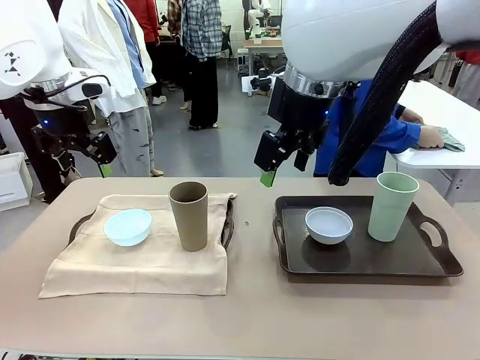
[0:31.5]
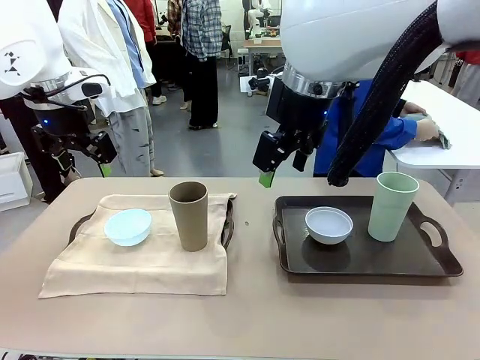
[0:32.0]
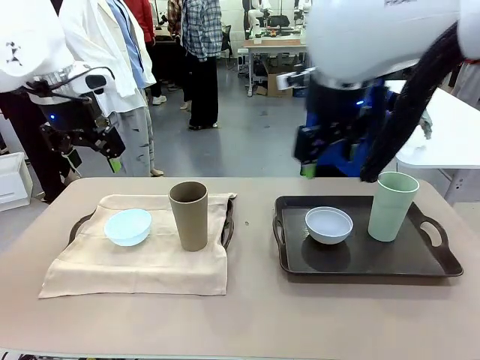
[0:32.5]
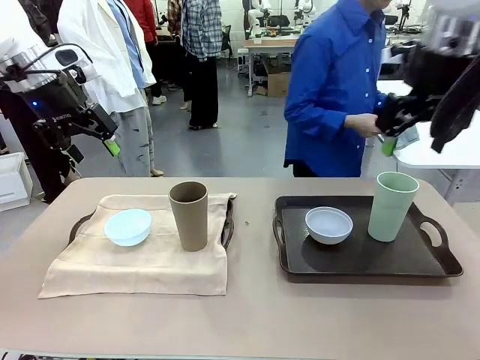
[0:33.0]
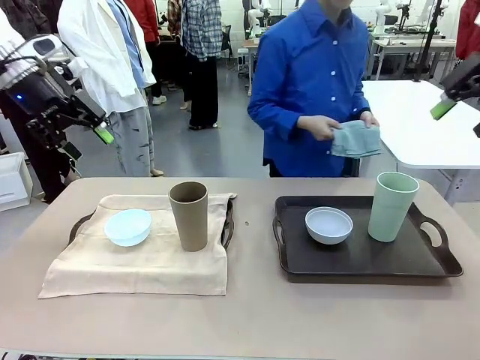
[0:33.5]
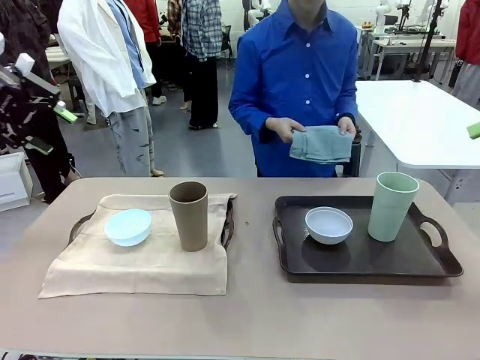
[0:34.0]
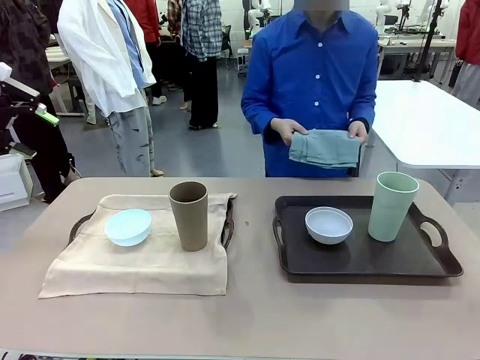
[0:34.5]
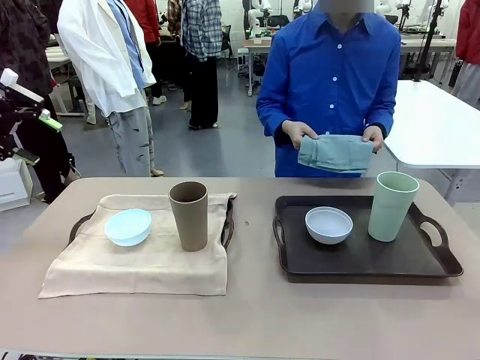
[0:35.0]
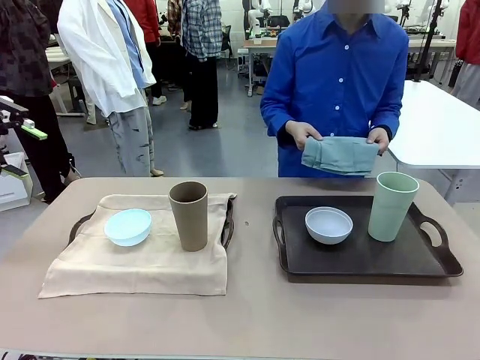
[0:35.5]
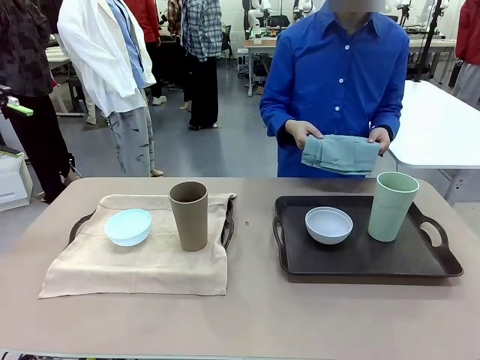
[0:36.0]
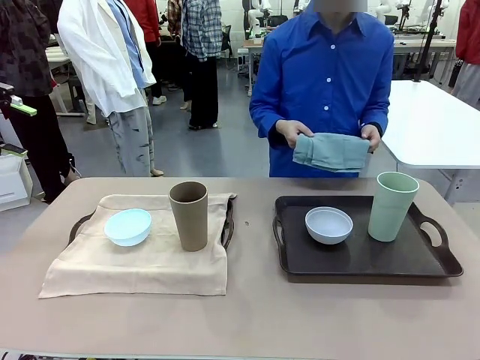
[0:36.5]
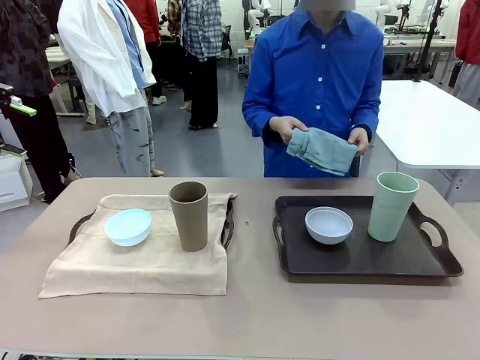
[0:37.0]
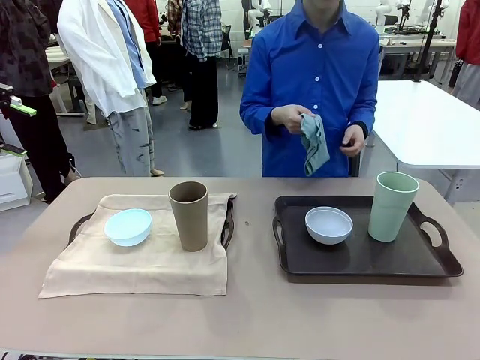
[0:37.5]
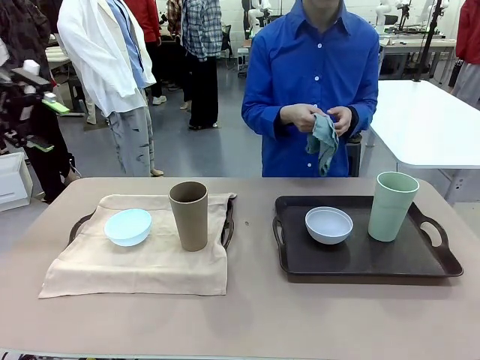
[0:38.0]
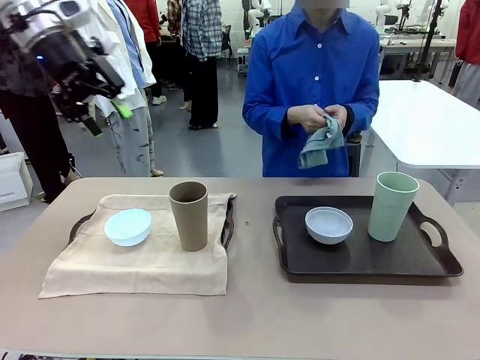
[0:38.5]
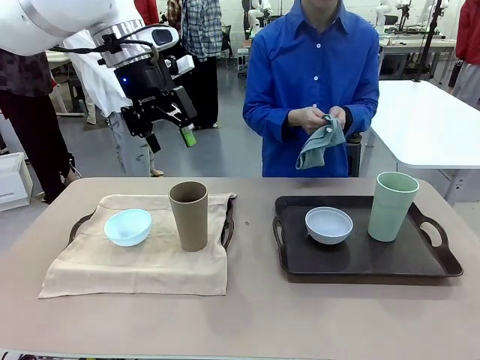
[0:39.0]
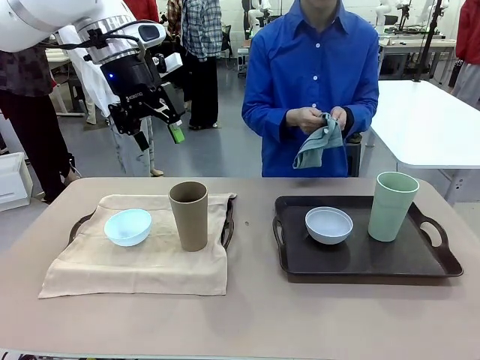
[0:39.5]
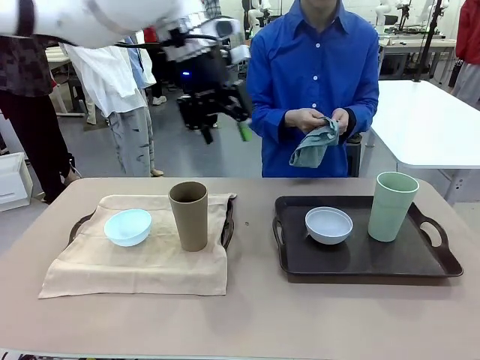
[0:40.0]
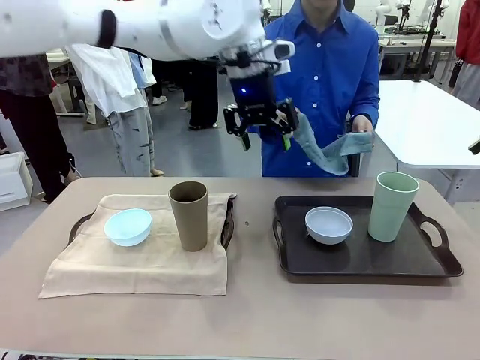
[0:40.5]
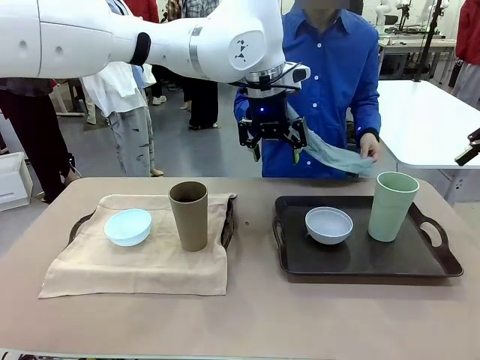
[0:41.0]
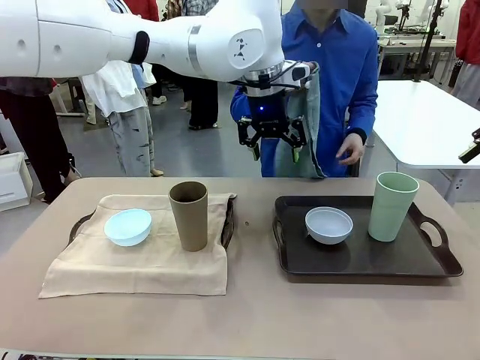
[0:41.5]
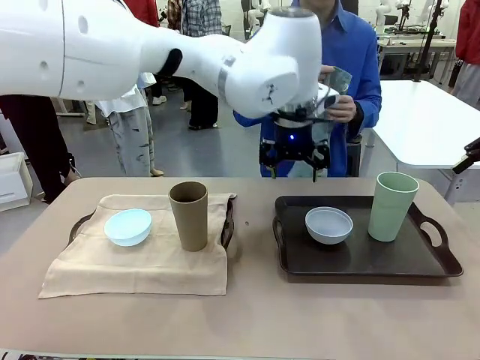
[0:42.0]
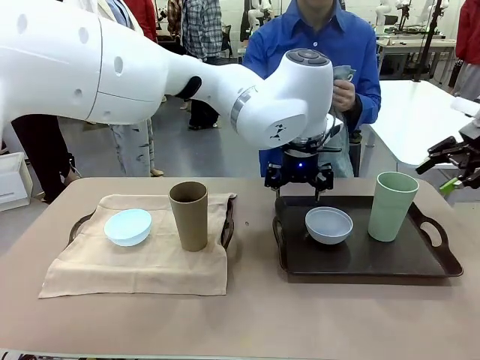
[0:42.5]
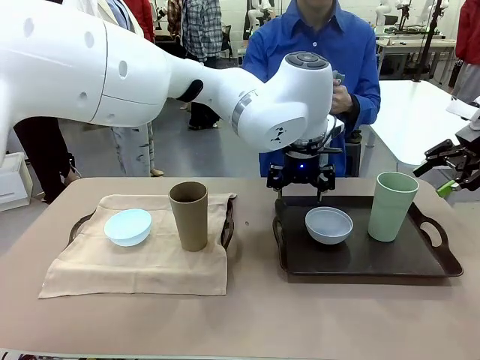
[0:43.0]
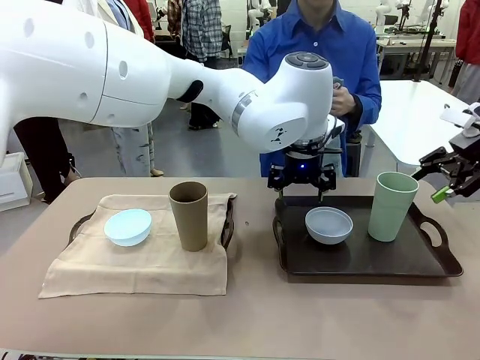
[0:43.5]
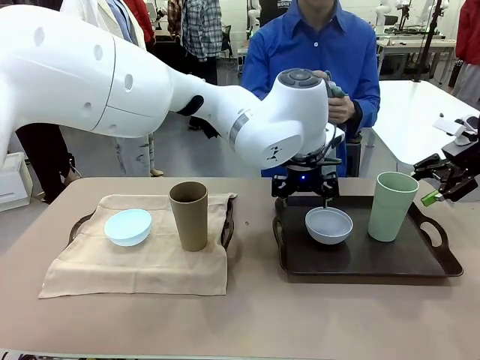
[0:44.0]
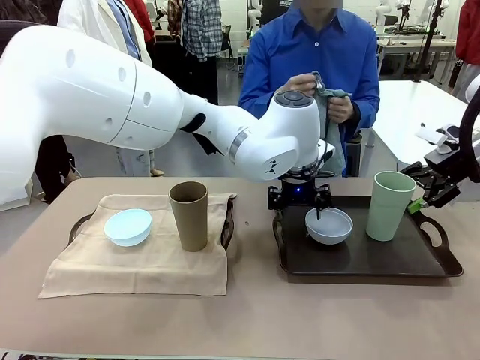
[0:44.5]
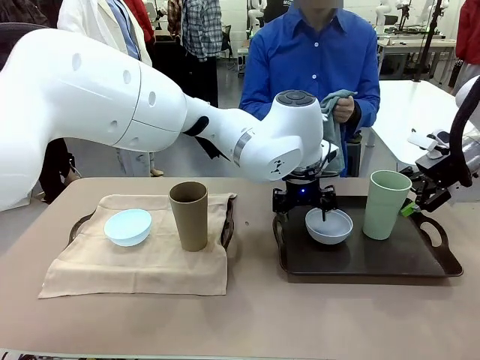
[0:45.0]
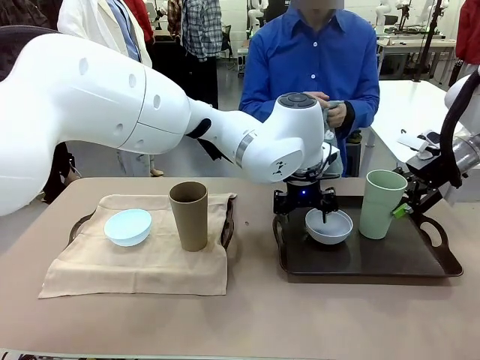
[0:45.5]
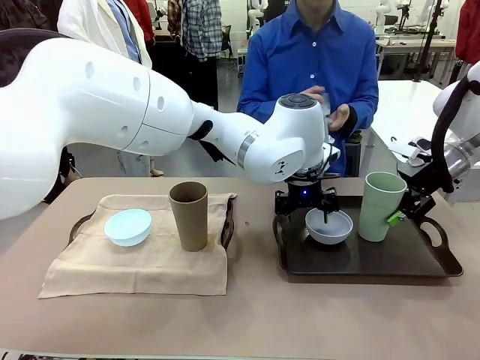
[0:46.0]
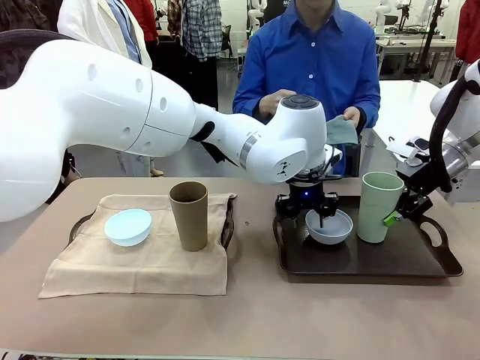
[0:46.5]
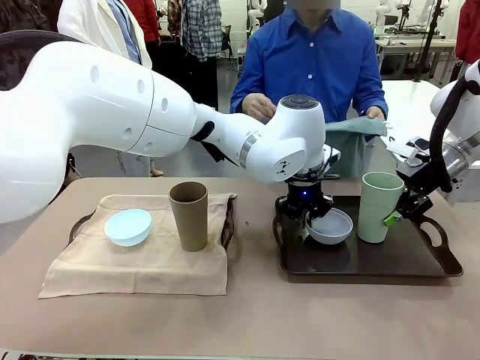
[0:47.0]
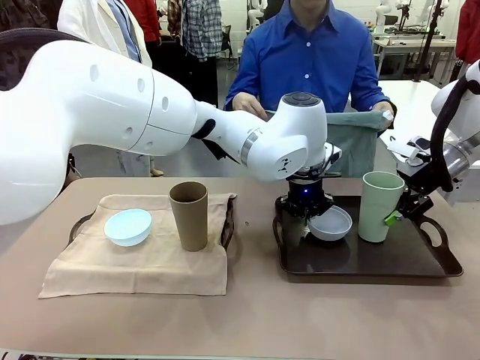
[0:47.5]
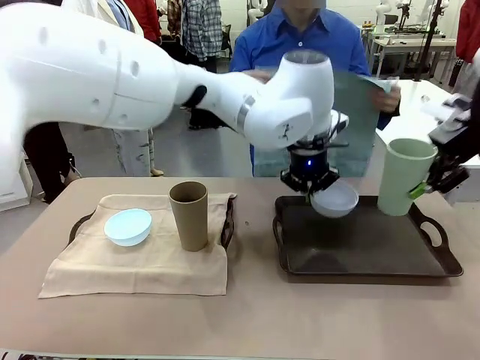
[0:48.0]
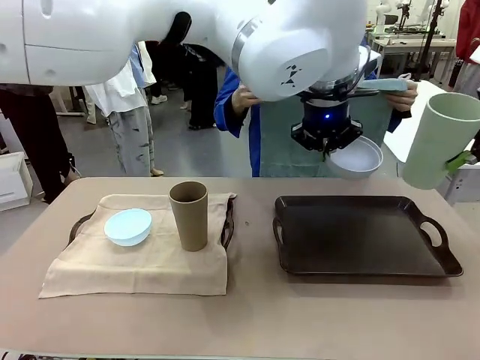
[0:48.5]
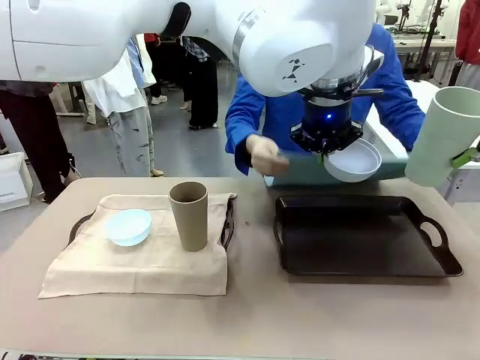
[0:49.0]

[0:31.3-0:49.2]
Robot: Pick up the Picnic Bowl and Reusable plastic cup from the Handle tray in front of the human's position and hold them in the air.
